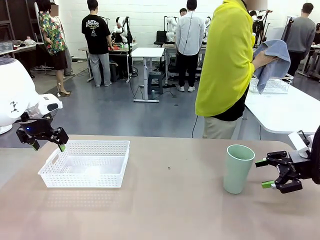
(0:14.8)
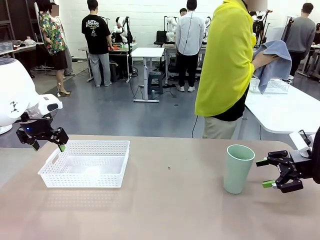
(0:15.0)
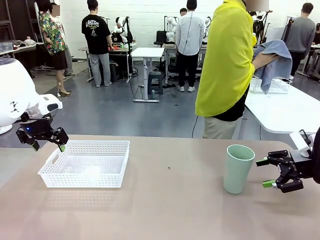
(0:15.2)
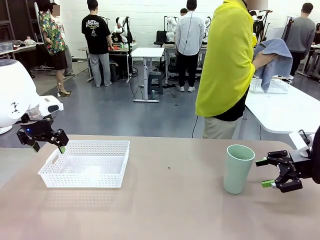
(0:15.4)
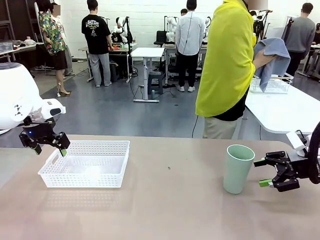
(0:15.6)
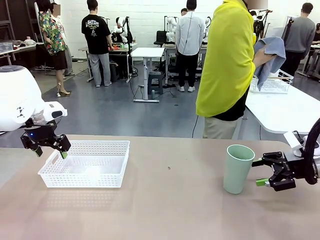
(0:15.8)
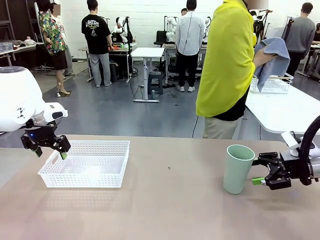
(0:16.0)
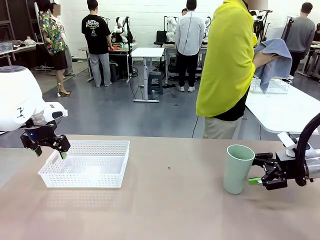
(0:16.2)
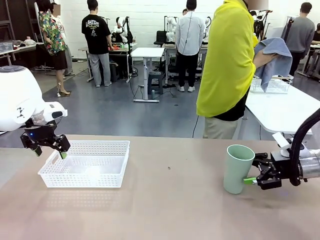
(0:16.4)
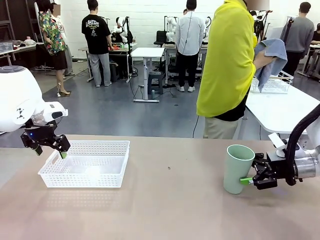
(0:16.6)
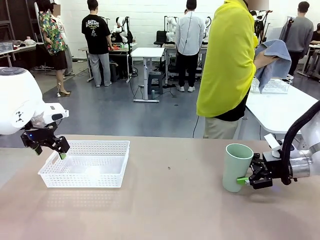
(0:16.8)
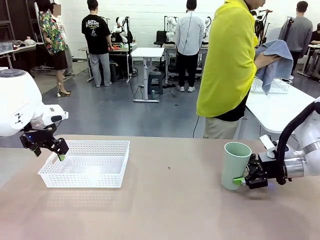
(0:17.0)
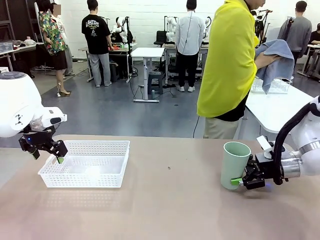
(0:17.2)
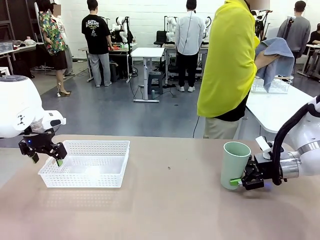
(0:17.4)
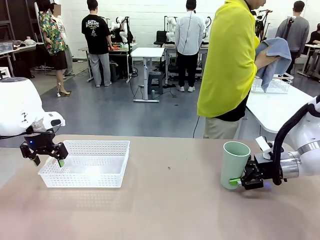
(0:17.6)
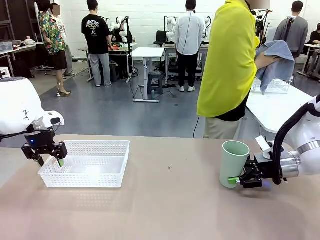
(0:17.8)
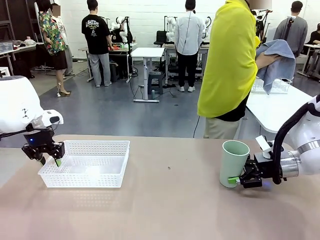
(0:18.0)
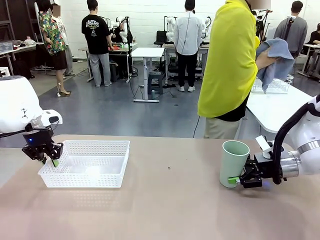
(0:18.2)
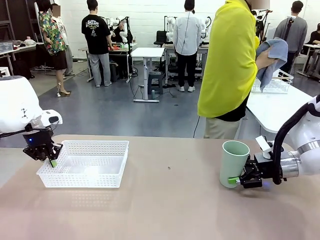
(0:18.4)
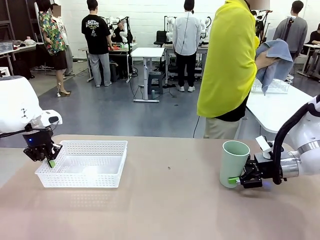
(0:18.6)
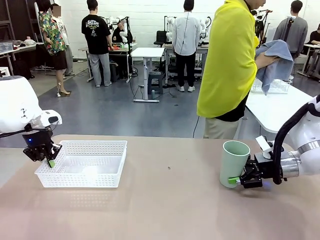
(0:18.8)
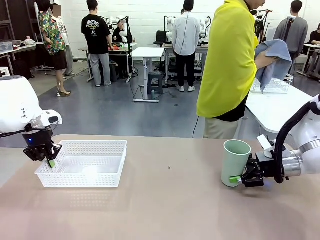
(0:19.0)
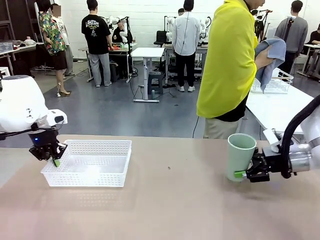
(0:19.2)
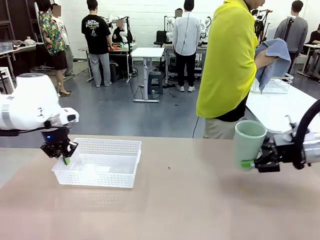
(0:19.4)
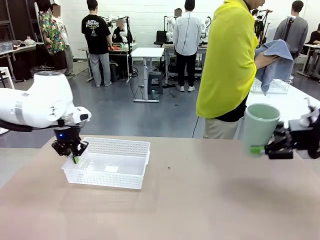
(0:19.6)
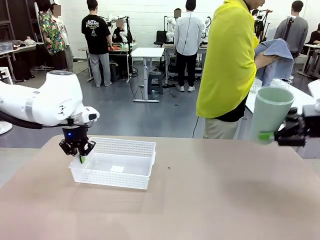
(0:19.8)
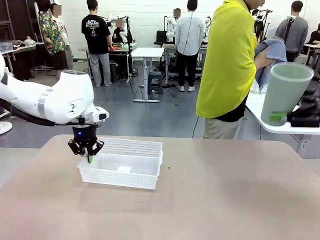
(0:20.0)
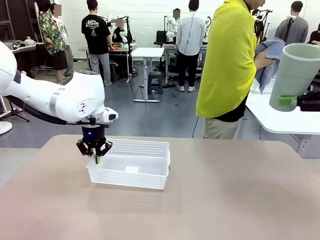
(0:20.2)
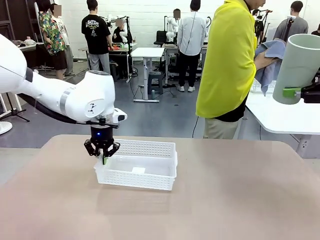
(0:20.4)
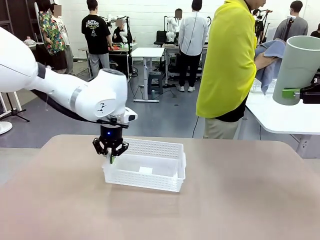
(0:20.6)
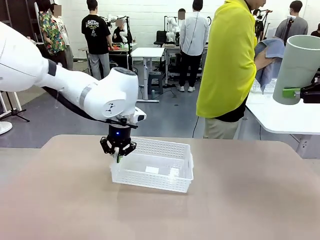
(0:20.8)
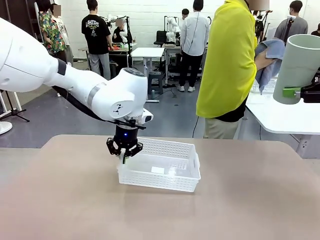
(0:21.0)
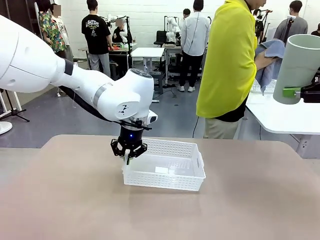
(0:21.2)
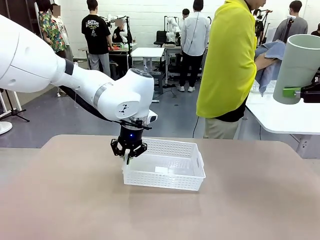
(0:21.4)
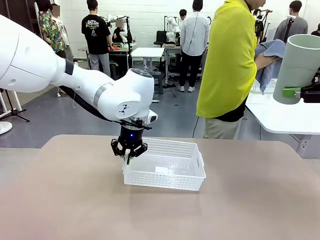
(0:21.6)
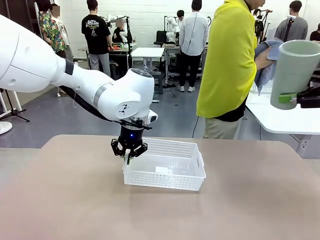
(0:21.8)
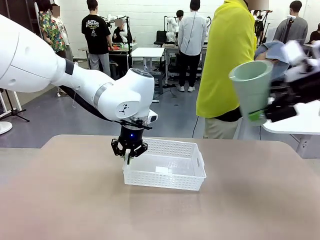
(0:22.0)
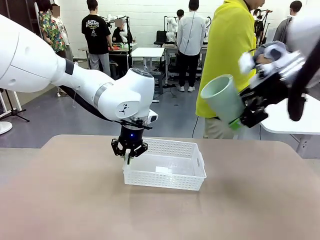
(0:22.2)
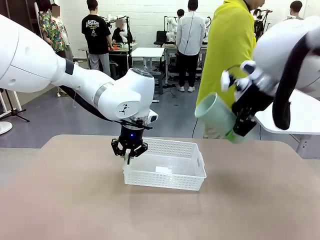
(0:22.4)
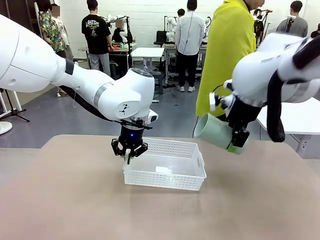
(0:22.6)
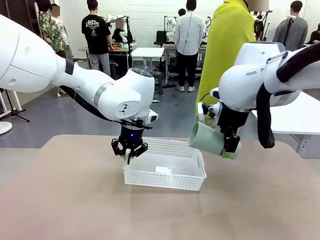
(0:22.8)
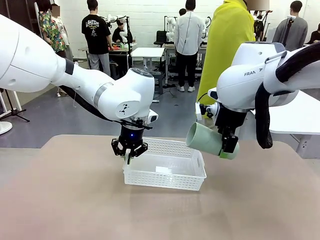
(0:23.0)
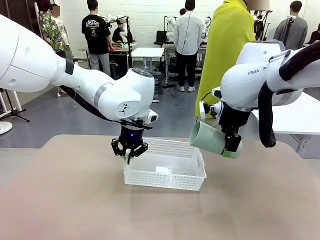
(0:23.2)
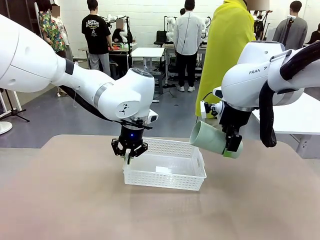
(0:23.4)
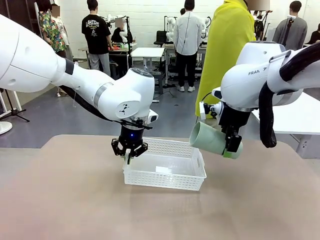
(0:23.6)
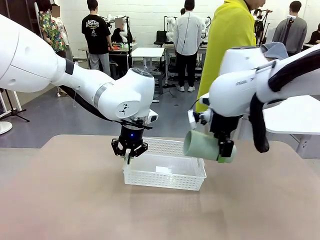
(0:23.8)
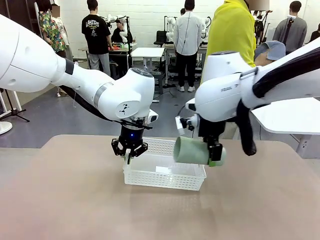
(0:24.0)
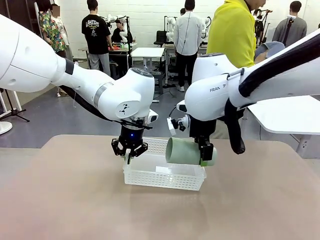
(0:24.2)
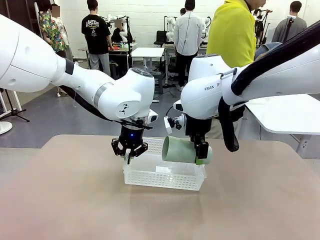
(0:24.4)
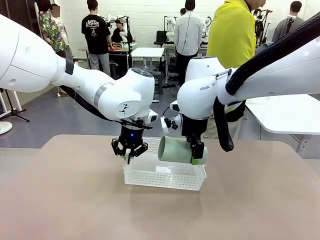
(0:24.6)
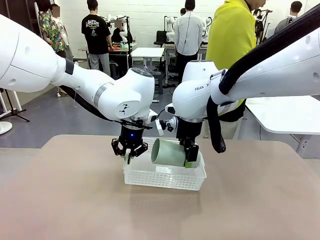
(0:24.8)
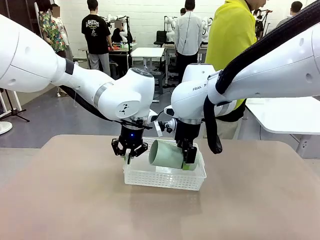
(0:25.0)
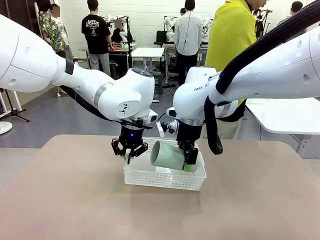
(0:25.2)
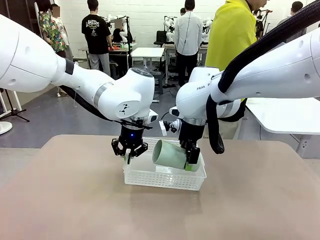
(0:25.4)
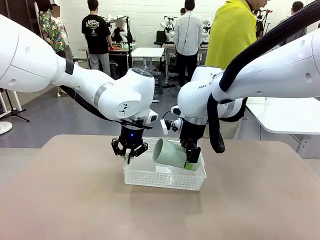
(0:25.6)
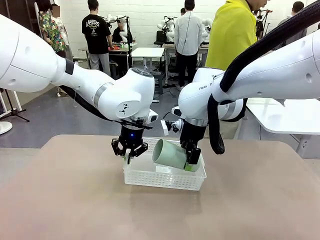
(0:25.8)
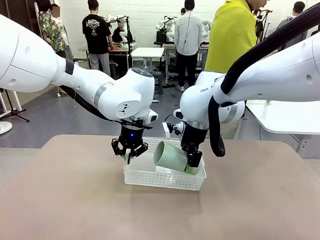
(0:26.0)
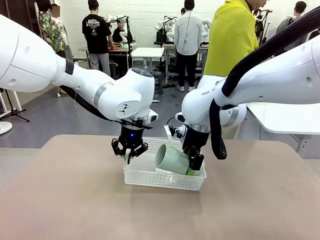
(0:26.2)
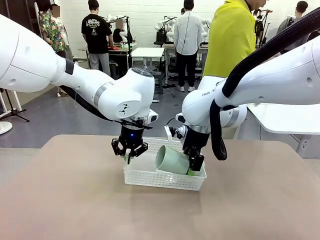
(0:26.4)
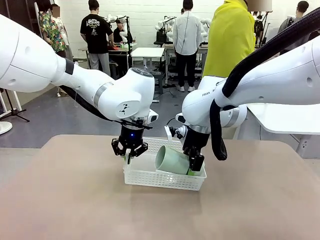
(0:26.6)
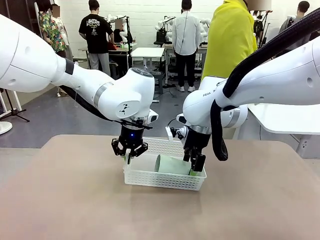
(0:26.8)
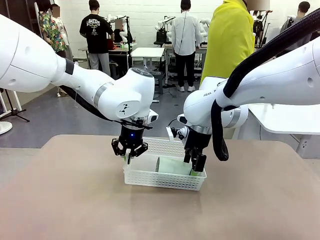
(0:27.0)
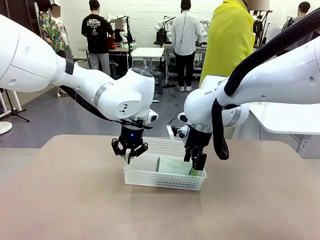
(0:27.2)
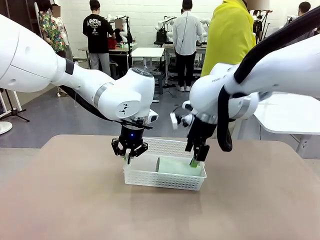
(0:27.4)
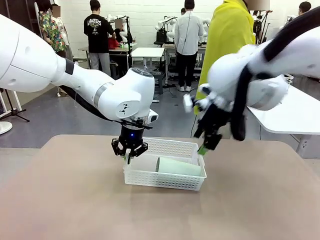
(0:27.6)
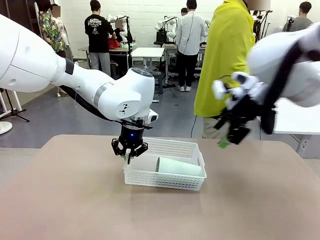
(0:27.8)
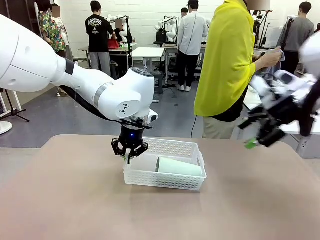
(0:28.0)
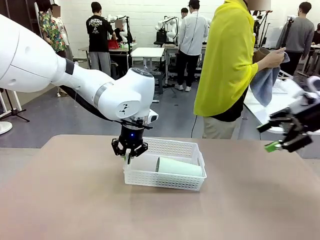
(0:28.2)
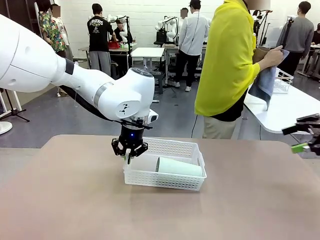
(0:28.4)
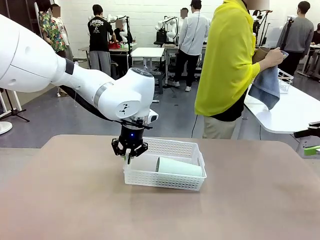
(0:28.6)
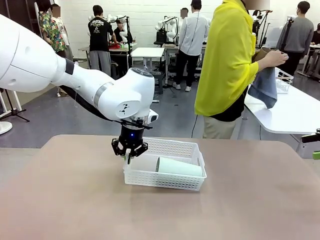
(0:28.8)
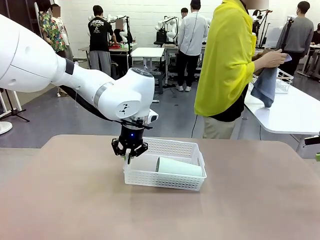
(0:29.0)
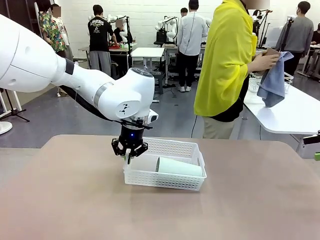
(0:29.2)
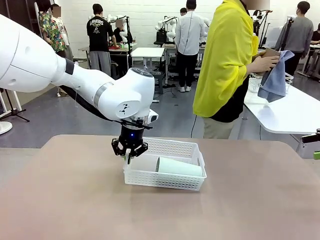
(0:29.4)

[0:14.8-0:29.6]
Task: Clean and organize the cups into the basket.
Robot: Pick up the Organizing basket and move it to the center of the table, then pick up the Reusable plastic cup from the right side of the table and place it inside the Organizing basket.
